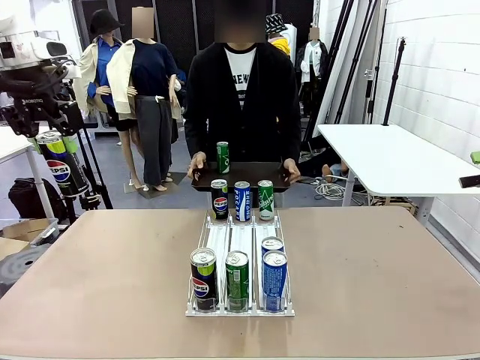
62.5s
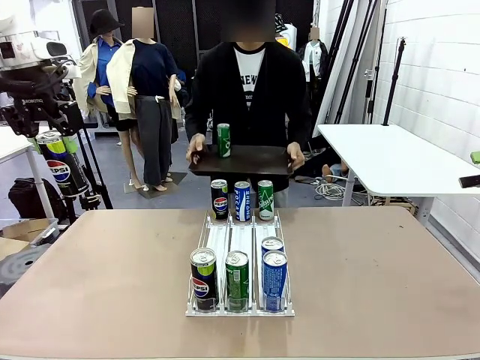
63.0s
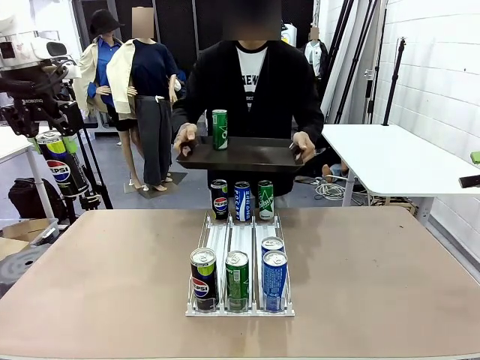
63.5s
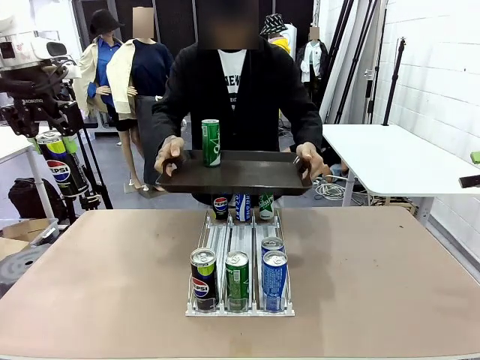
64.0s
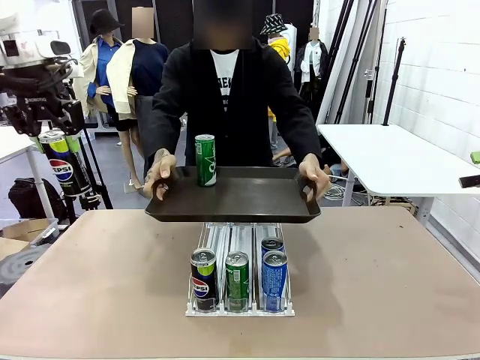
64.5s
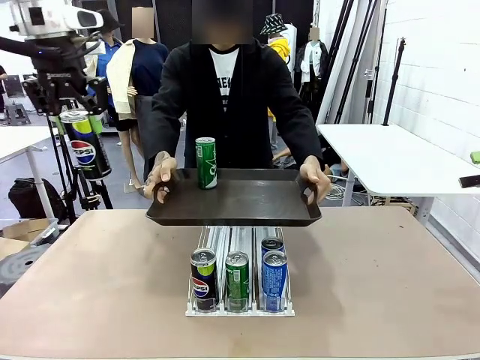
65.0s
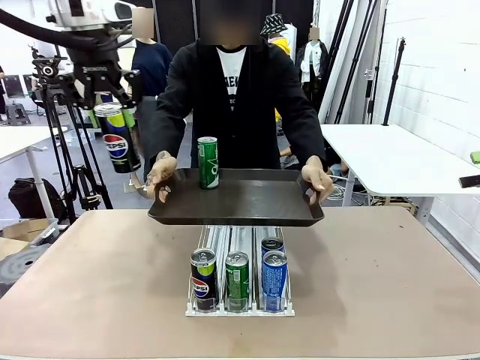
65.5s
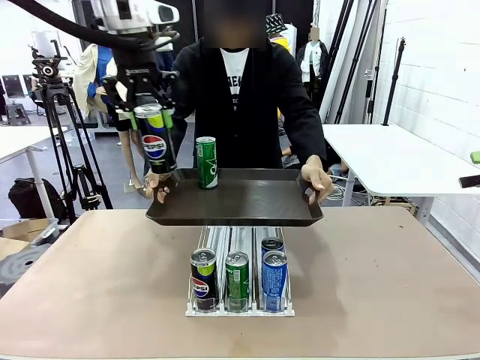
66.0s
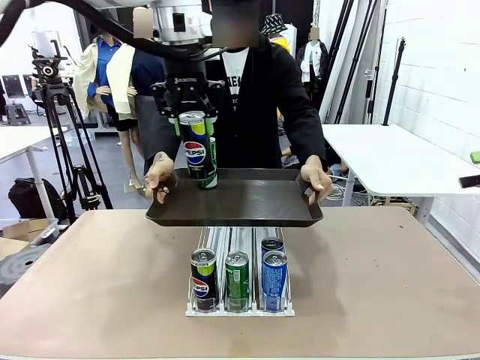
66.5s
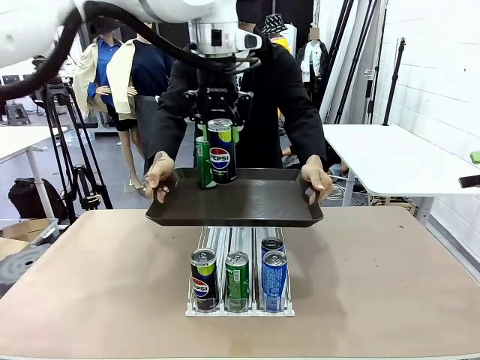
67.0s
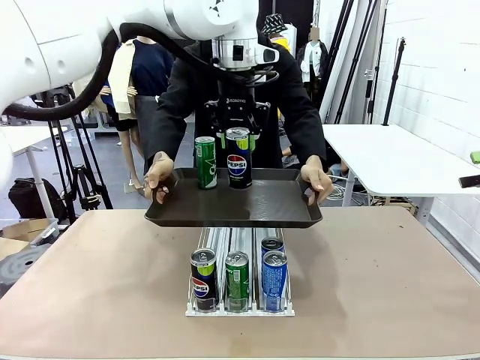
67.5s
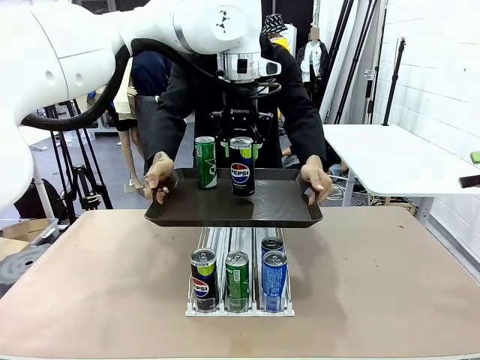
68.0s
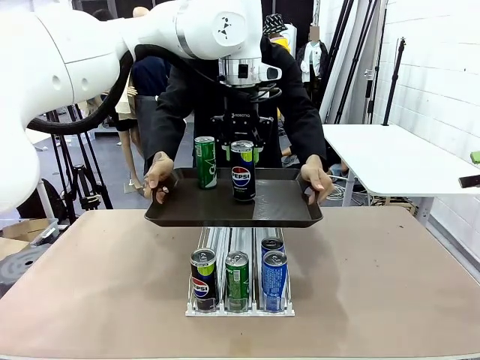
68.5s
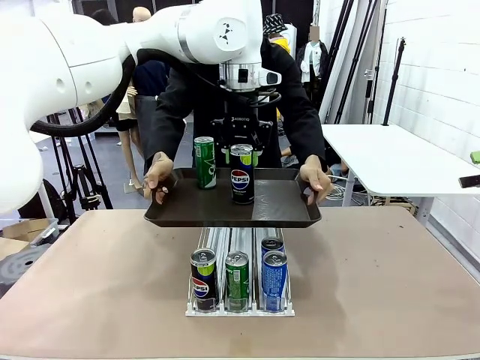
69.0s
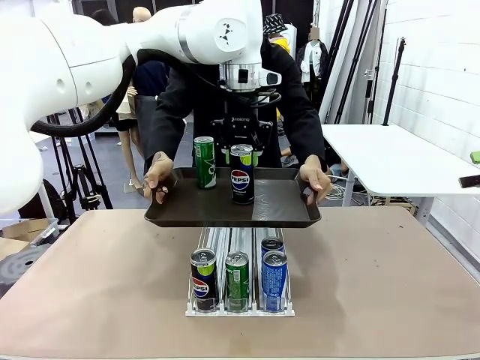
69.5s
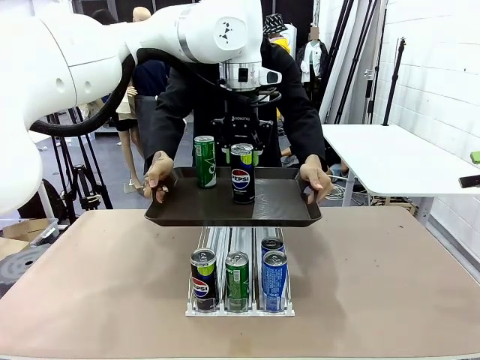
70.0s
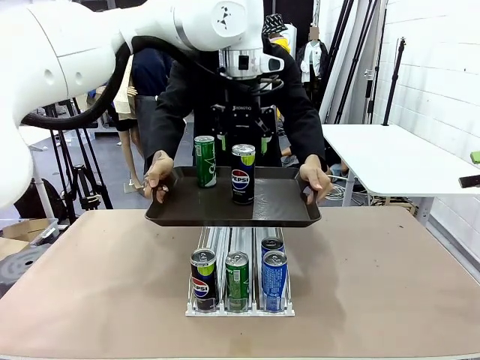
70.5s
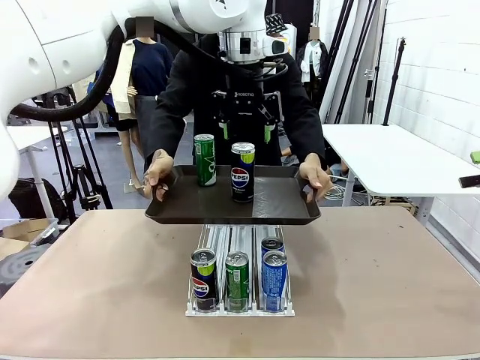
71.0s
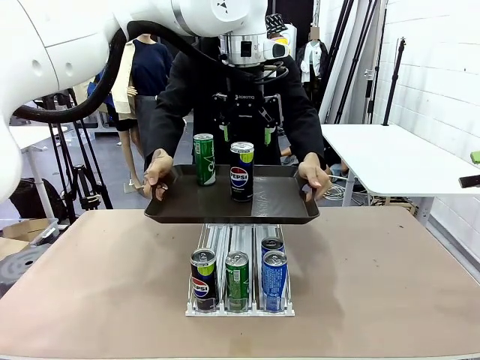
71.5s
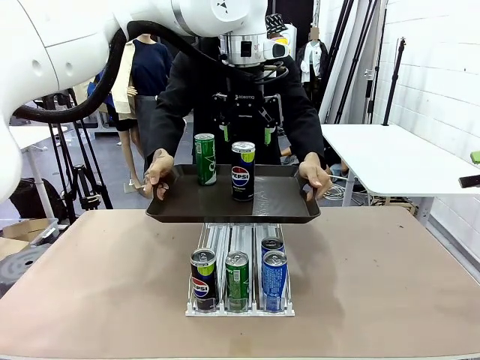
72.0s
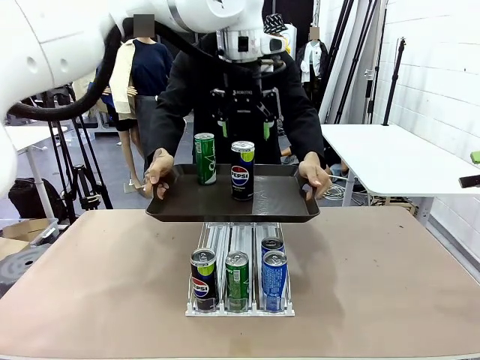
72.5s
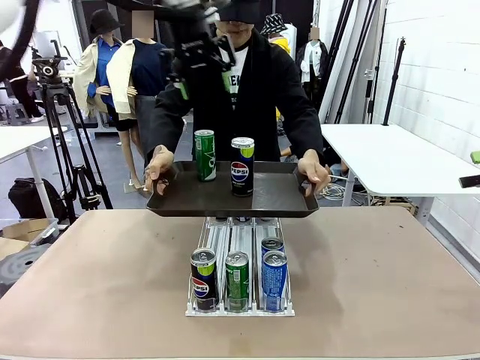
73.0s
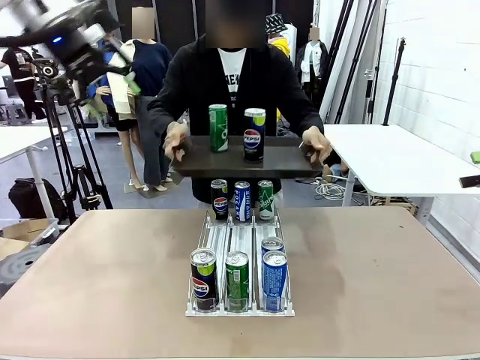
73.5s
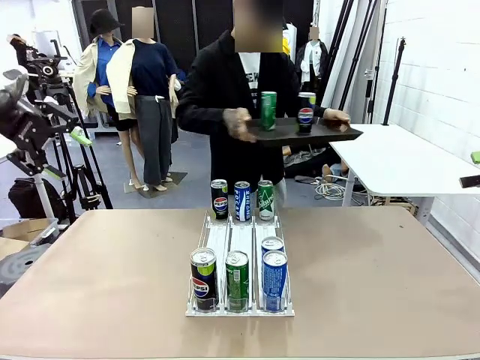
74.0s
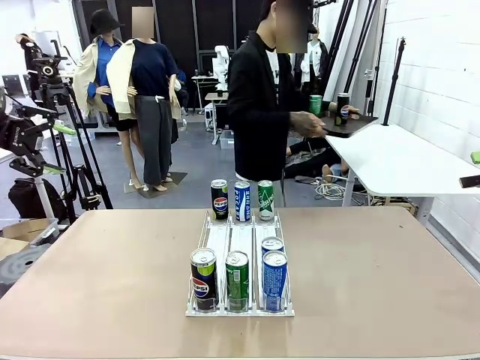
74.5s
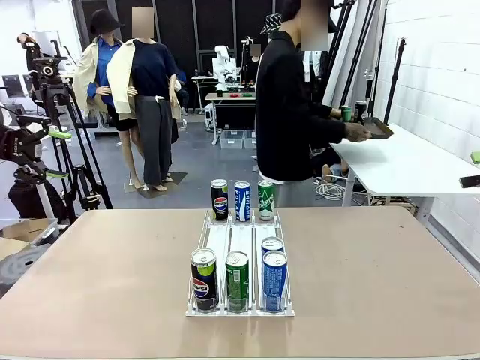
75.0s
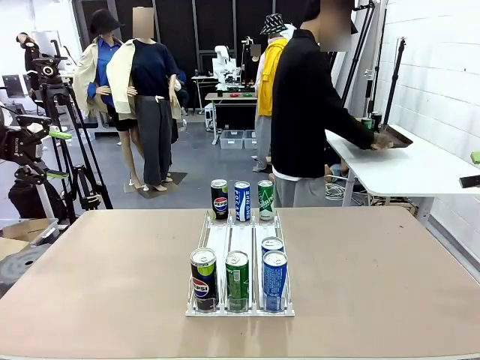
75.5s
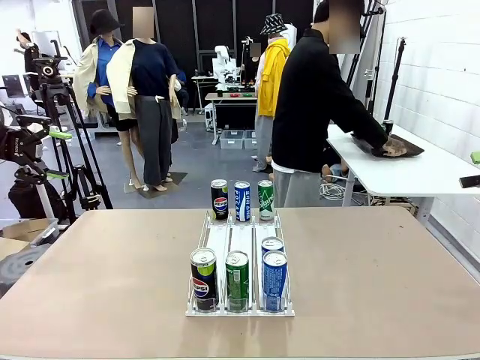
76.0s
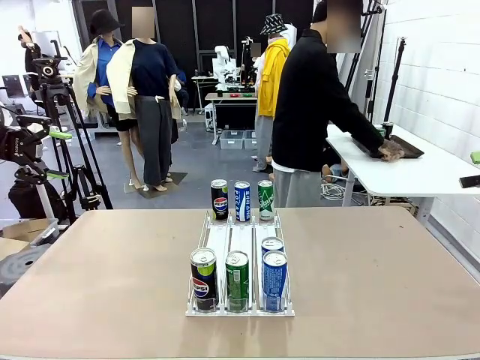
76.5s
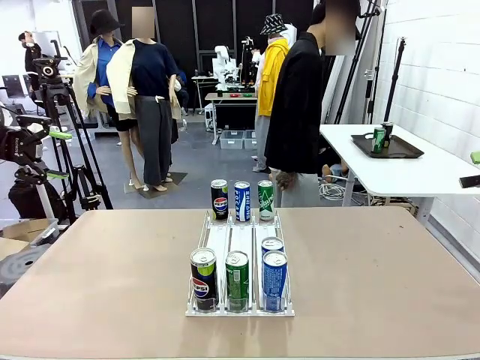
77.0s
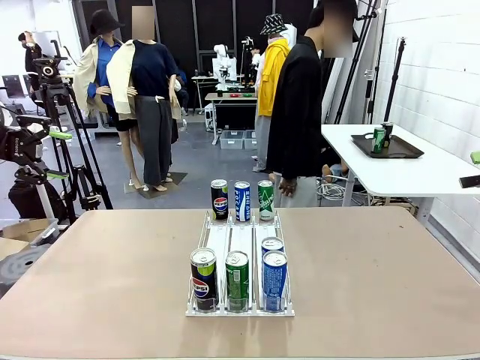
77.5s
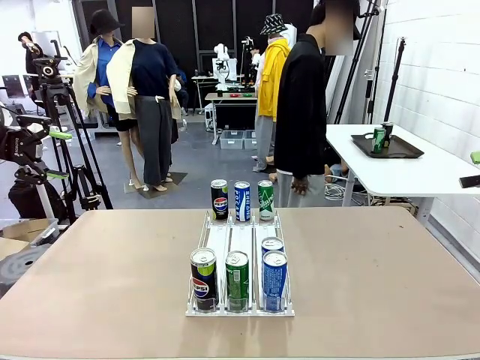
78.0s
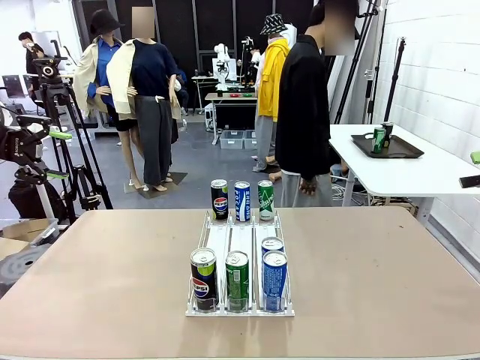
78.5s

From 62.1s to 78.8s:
Task: Retrieve and hand over the desired beverage to the person.
Robot: Place the picked can on the Handle tray extended by the person.
Person: Pull the tray back and place it at the center of the human table.

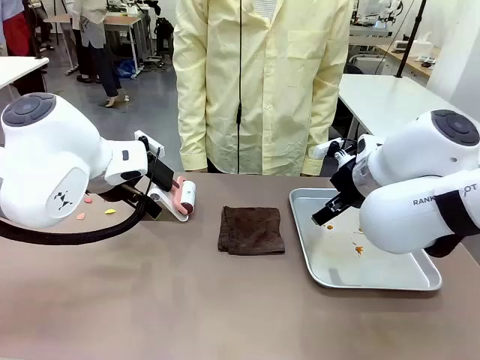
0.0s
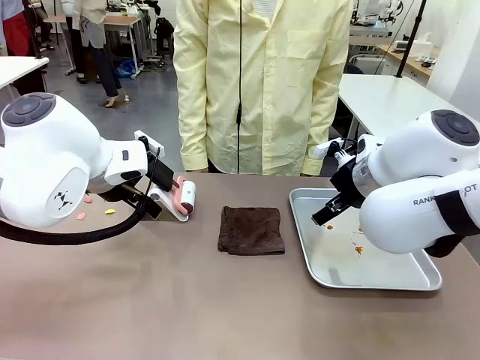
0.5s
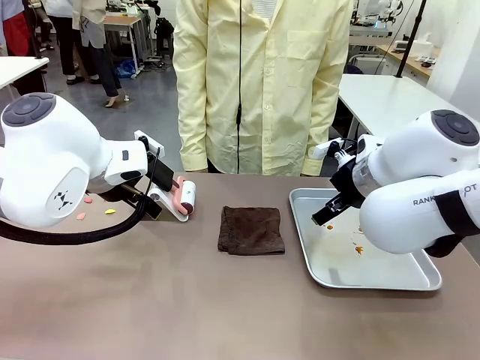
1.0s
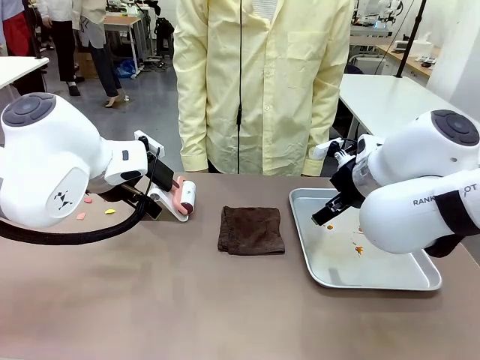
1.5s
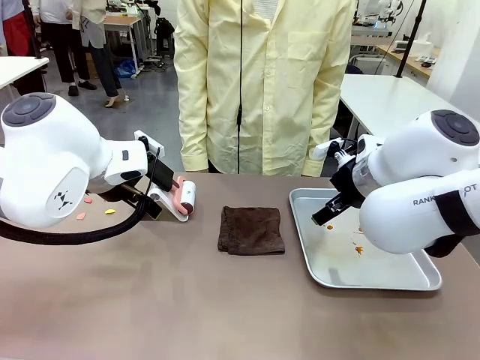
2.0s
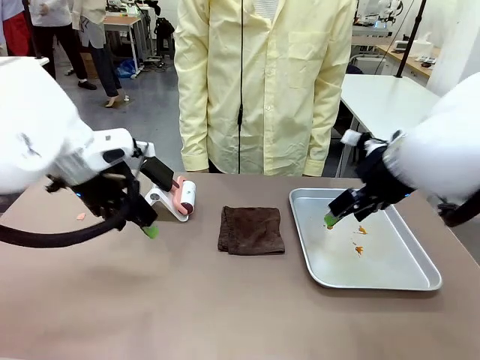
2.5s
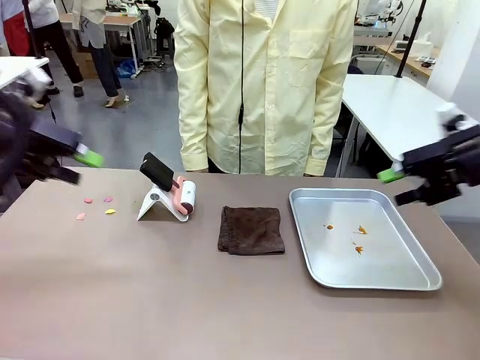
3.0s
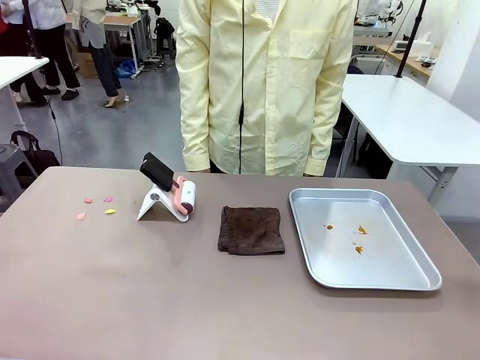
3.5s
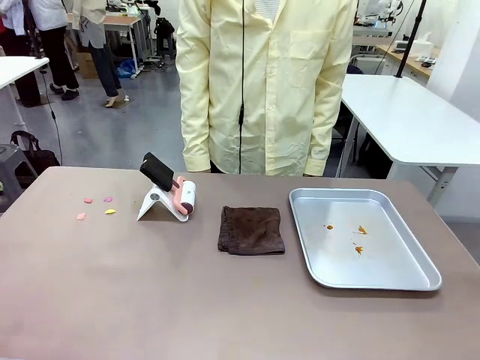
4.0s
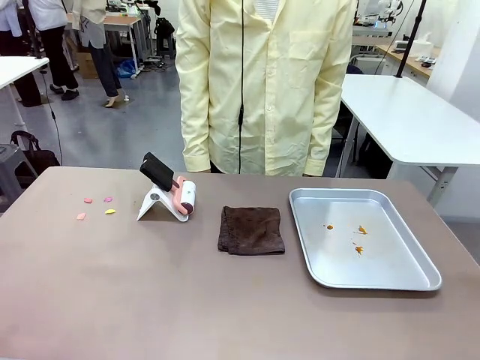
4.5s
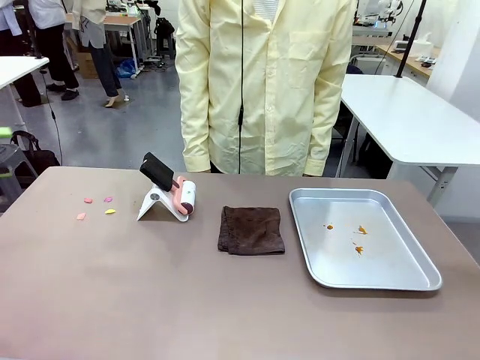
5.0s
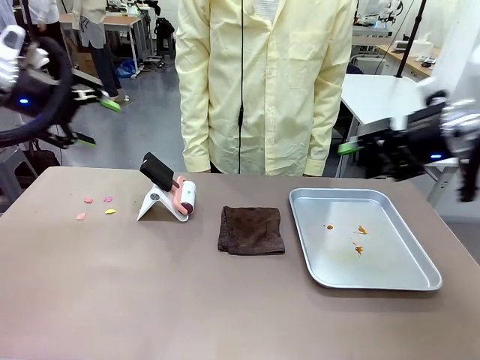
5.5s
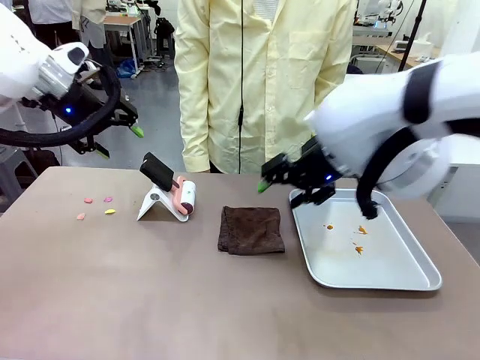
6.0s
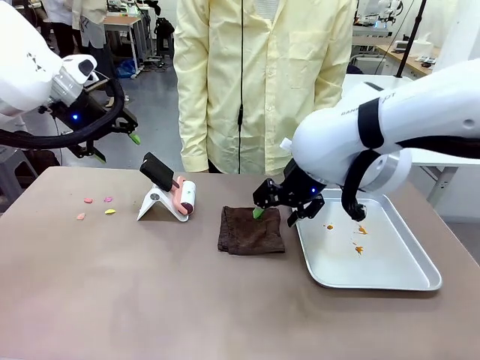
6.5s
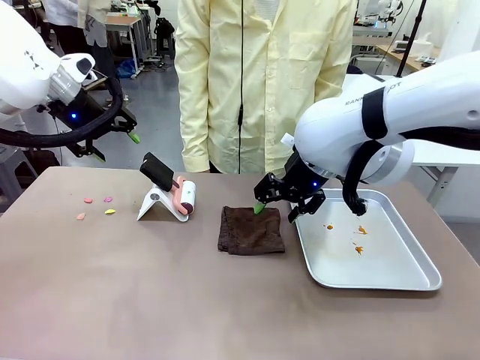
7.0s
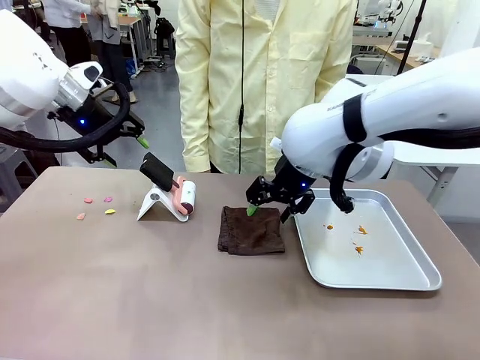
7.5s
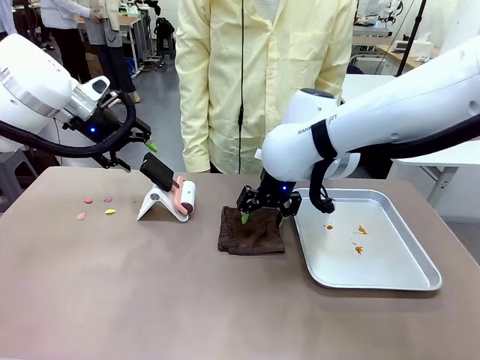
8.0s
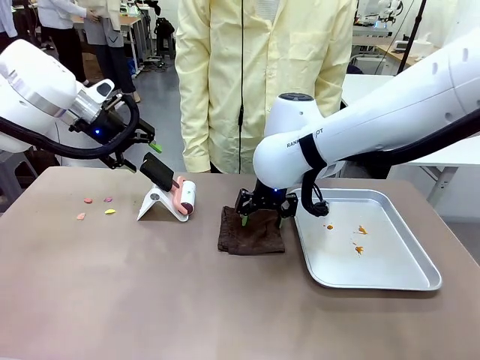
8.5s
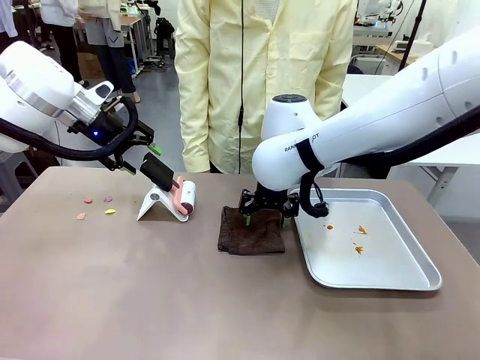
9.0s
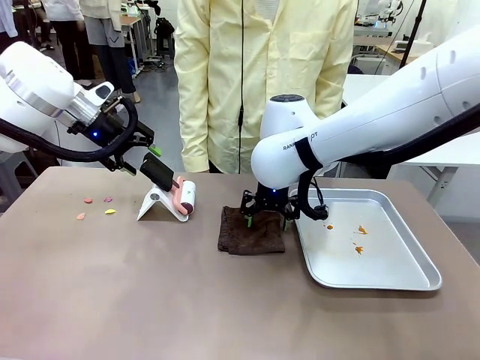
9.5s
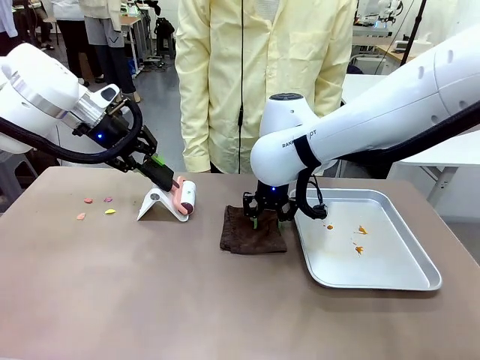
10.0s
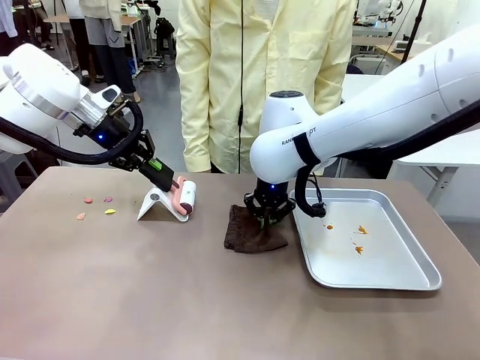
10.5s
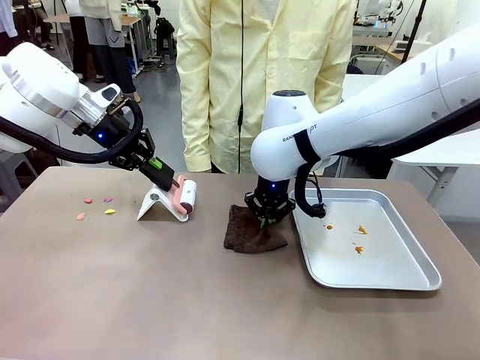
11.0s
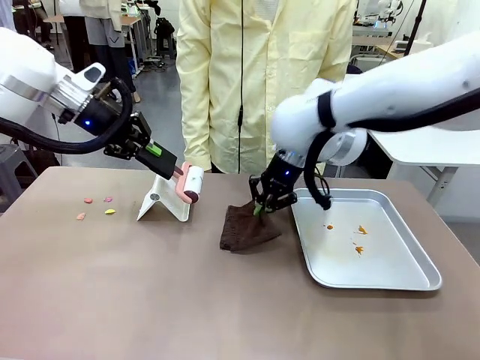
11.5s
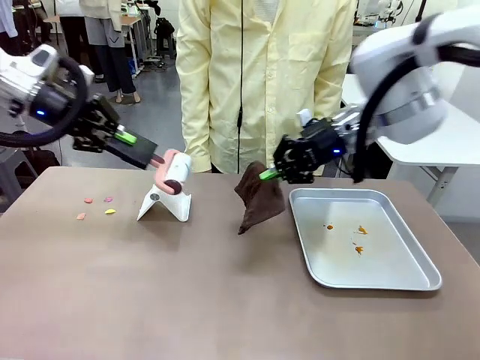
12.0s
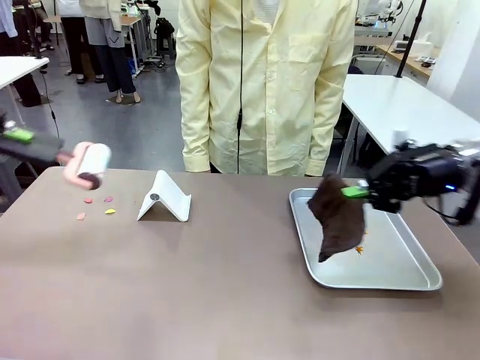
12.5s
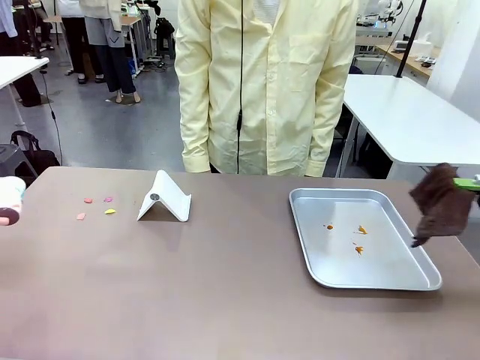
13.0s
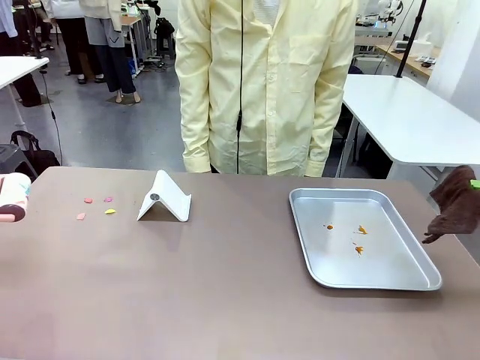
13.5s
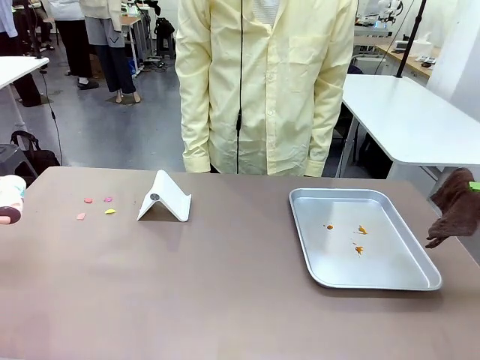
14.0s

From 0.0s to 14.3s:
Task: Clean the surface of the table.
Robot: Hold the Lint Roller with your left hand and the towel with your right hand.
